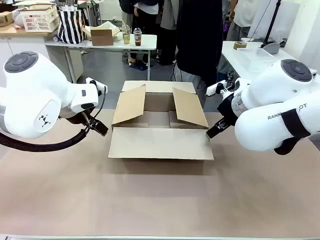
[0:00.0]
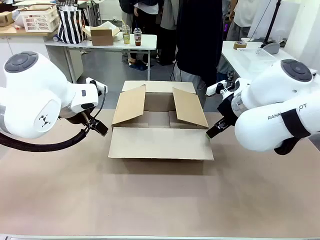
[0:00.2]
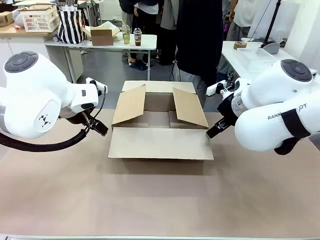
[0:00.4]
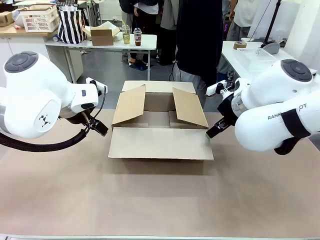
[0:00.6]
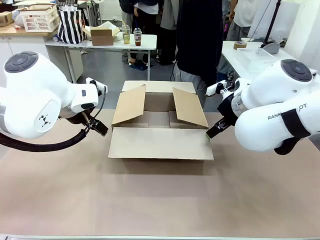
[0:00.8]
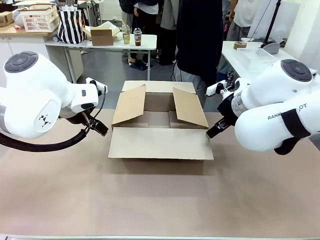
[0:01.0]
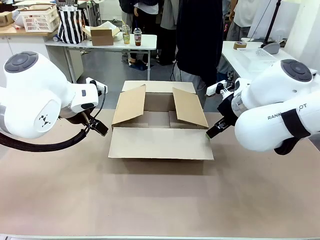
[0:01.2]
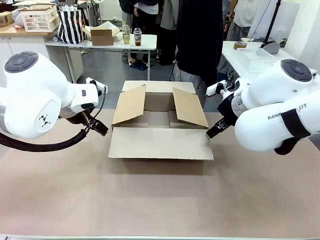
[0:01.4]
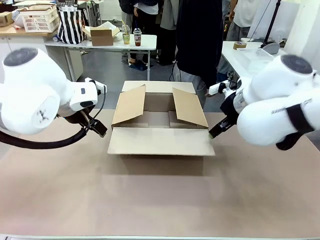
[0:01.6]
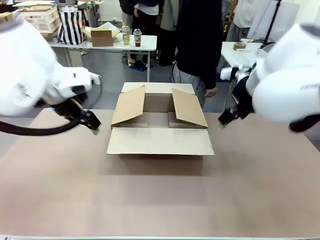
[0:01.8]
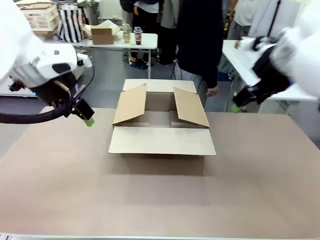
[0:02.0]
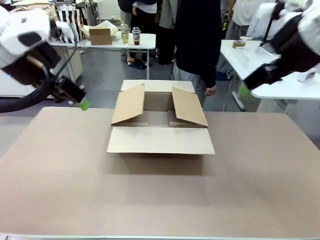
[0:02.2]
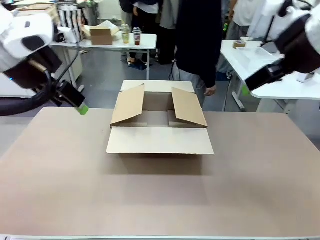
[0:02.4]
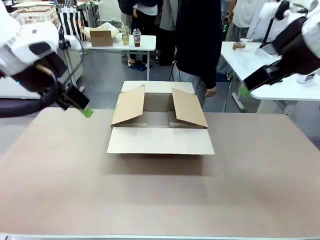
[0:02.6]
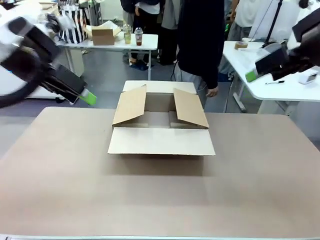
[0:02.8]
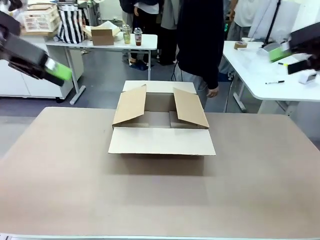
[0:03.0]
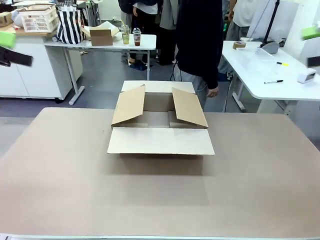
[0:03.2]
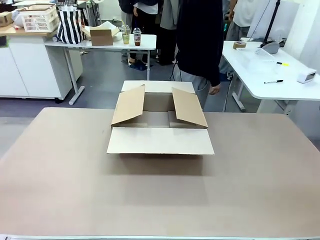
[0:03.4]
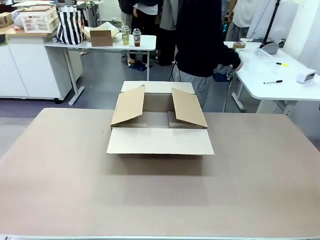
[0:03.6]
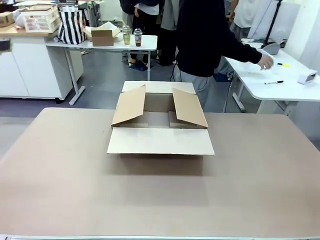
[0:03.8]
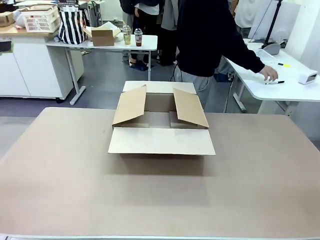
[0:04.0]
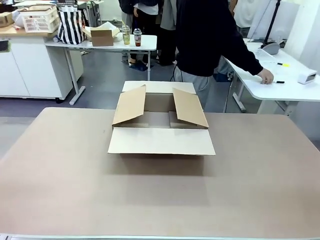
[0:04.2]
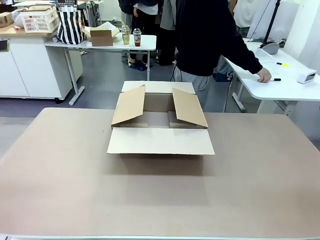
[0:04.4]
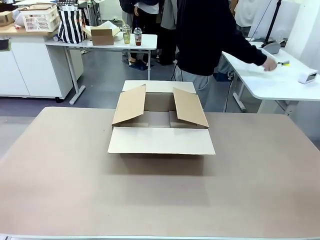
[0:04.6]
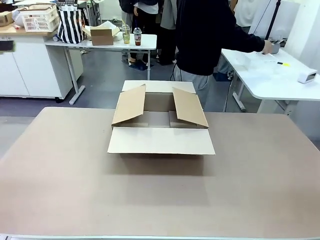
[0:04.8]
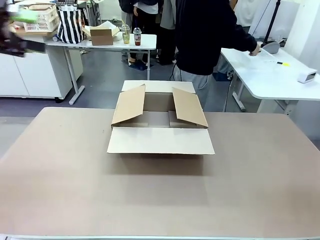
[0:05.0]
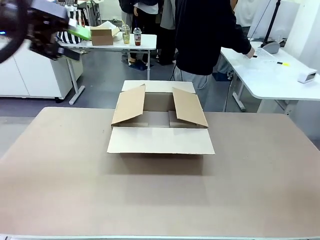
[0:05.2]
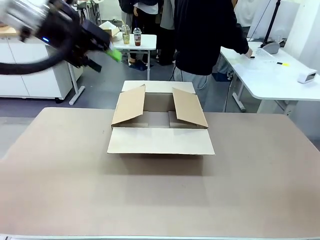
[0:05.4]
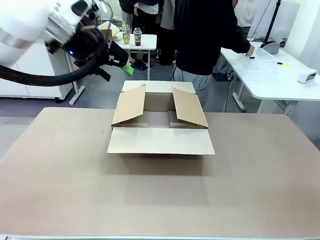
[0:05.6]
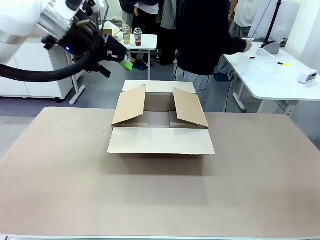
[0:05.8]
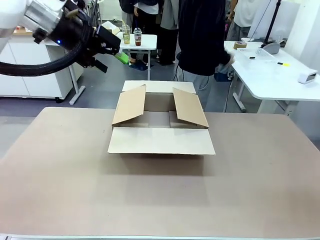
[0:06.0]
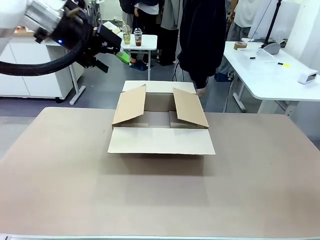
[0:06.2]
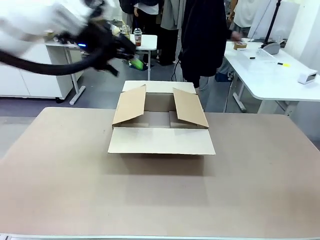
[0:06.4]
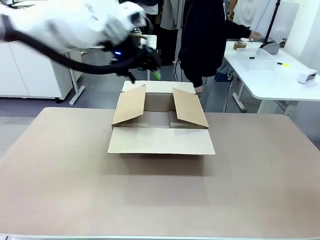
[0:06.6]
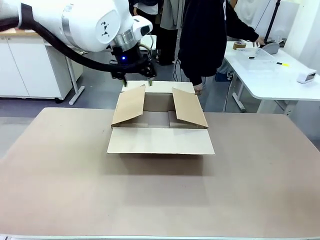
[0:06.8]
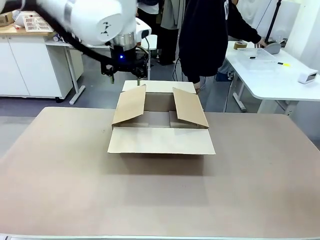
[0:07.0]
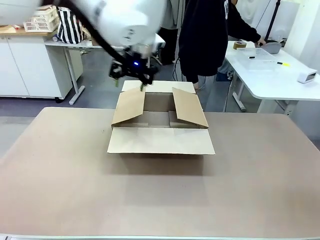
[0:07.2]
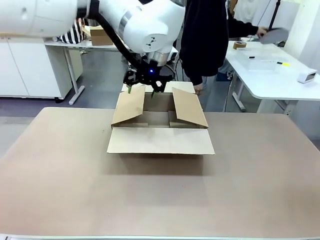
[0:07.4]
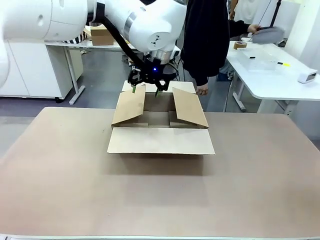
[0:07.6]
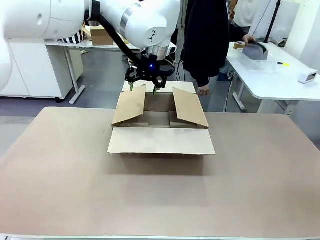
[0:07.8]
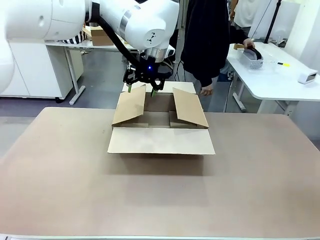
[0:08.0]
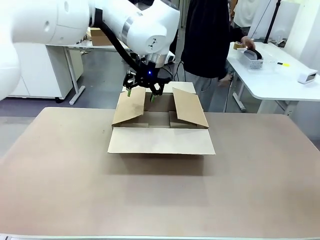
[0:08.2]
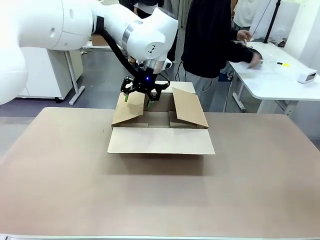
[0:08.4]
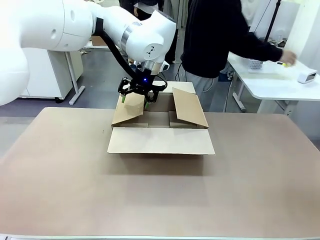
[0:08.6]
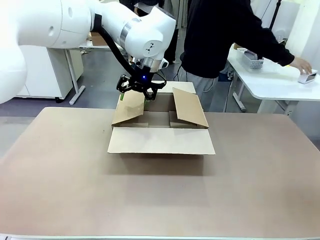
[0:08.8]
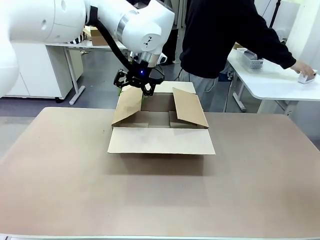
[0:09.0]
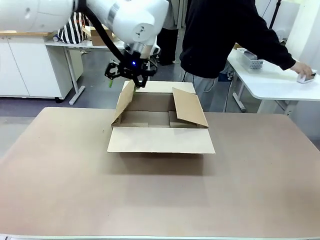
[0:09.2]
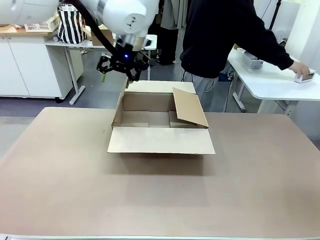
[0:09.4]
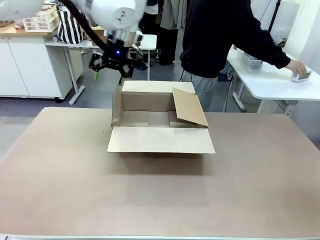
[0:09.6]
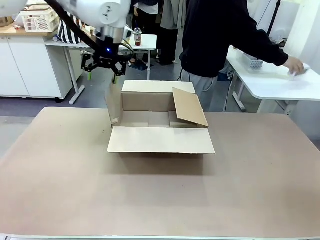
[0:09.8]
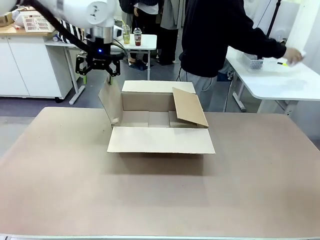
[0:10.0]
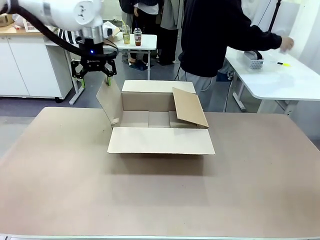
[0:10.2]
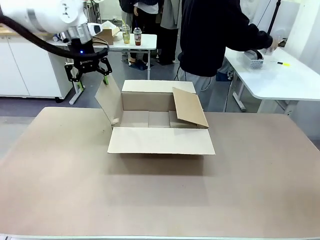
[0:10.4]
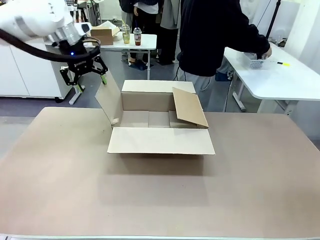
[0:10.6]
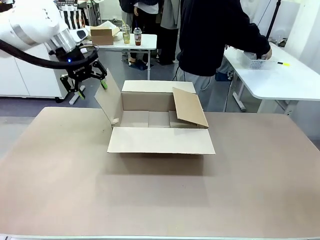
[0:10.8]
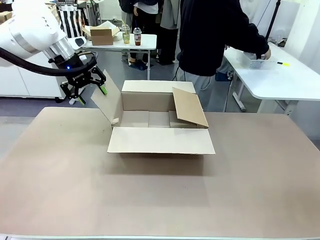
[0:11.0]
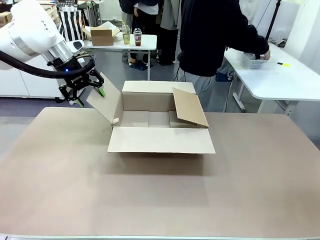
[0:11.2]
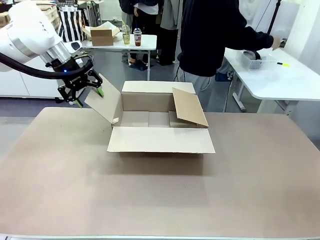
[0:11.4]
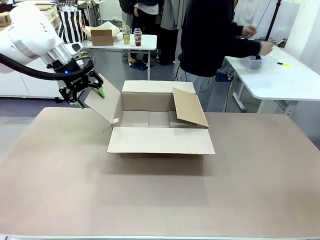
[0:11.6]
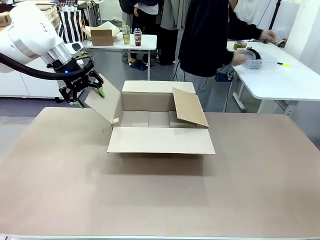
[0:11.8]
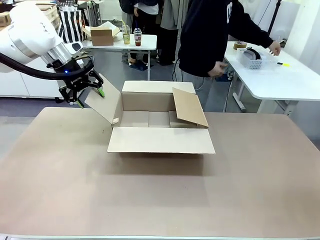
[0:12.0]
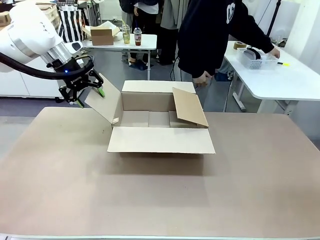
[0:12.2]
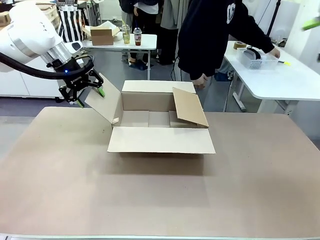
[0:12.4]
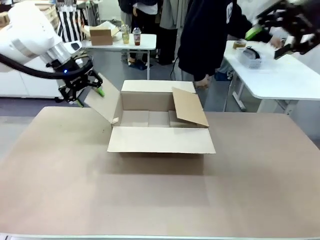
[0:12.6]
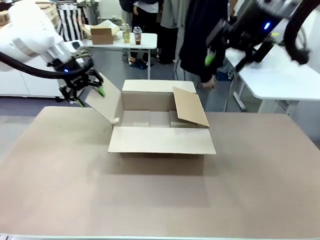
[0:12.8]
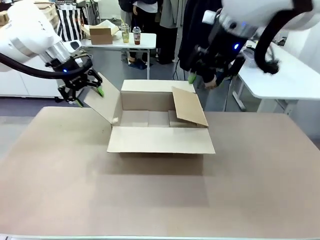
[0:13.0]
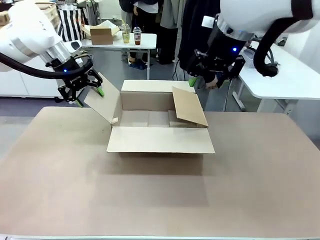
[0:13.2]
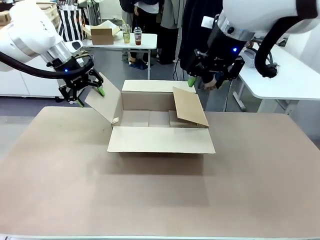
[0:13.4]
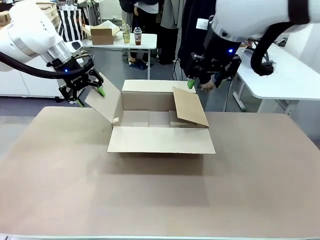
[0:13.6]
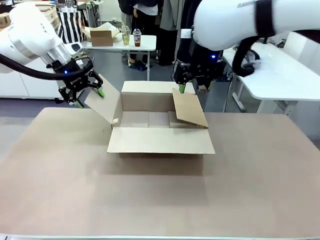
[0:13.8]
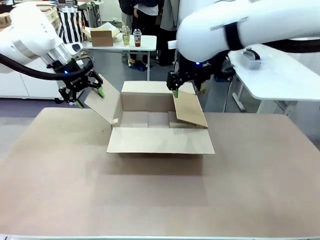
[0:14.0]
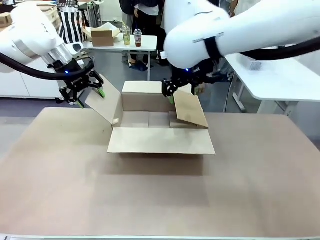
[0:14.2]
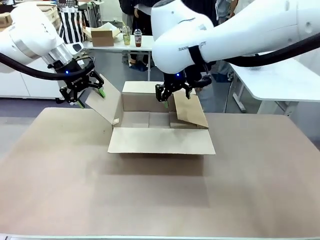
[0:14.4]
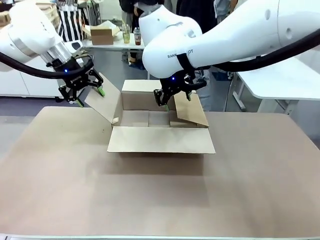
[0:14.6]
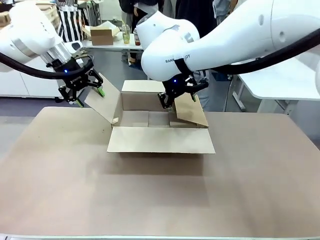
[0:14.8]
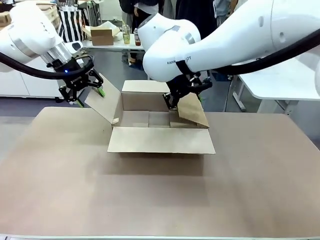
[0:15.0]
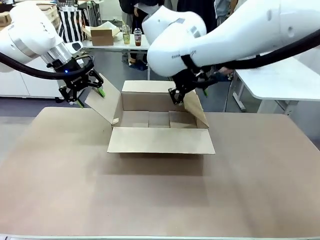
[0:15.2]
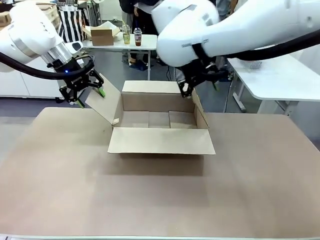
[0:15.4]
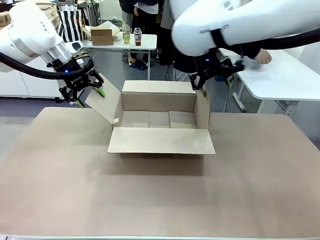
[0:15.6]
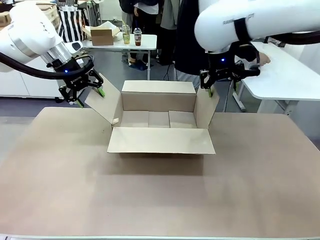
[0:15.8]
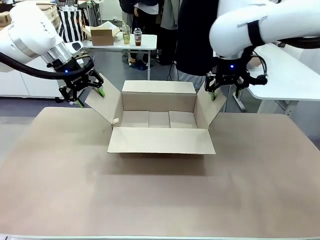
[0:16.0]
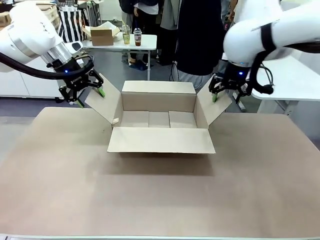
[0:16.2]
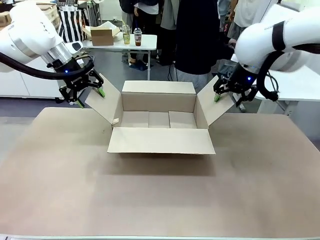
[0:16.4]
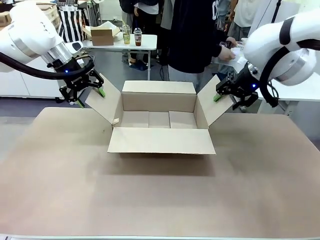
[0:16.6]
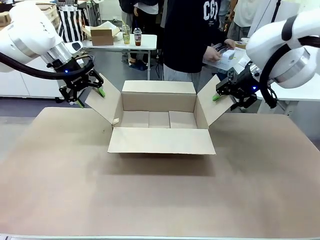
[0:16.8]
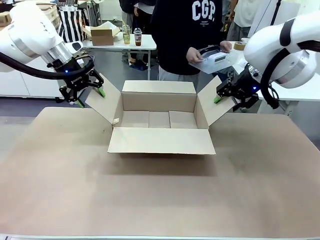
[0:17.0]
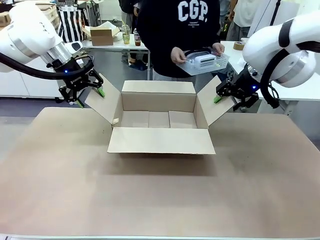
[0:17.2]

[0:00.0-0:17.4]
Task: Pack the gift set into the box.
Robot: Place both hands on the side flaps of the Package Box and spread them outward.
Person: The human places all items except the paper tape into the organizing basket.

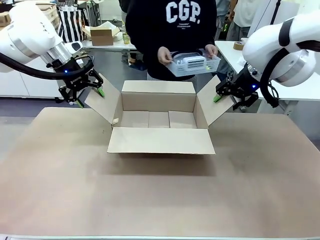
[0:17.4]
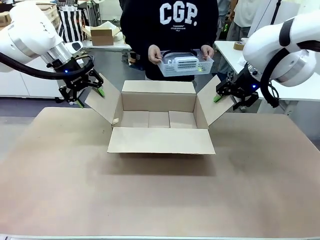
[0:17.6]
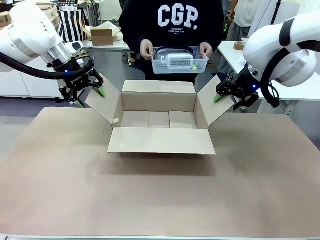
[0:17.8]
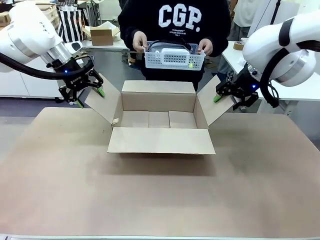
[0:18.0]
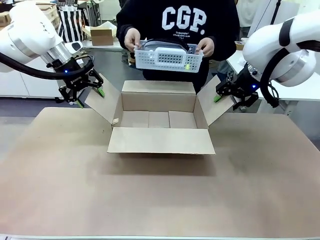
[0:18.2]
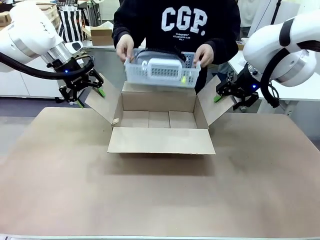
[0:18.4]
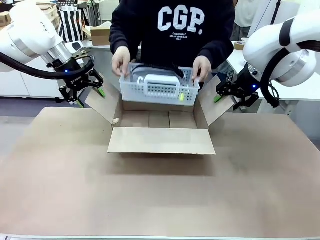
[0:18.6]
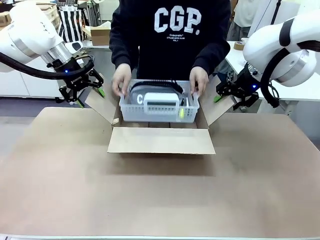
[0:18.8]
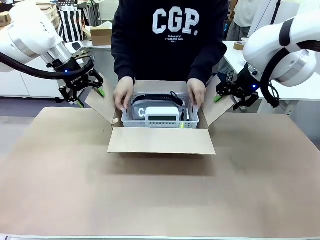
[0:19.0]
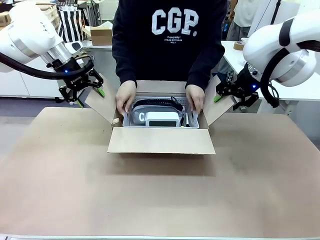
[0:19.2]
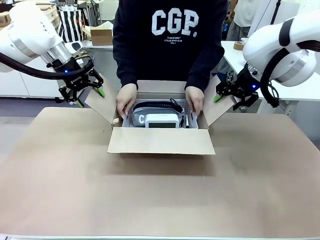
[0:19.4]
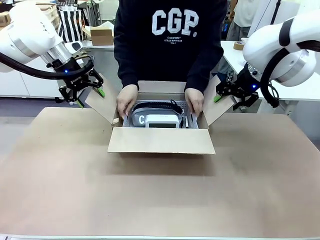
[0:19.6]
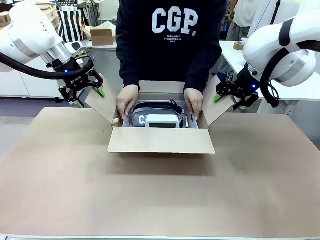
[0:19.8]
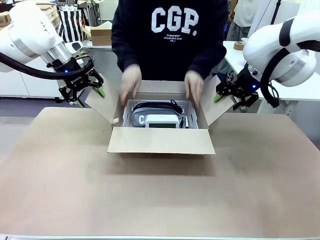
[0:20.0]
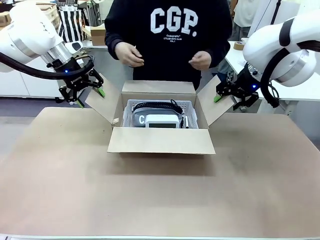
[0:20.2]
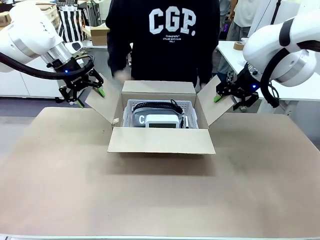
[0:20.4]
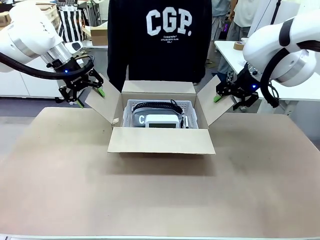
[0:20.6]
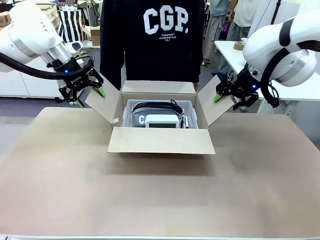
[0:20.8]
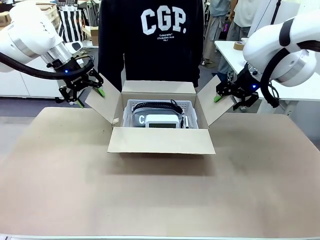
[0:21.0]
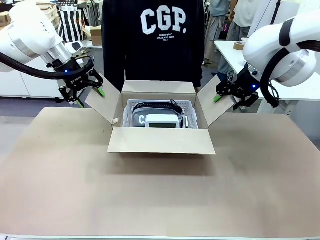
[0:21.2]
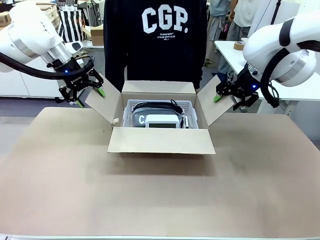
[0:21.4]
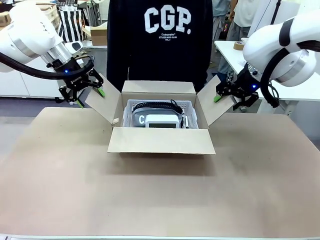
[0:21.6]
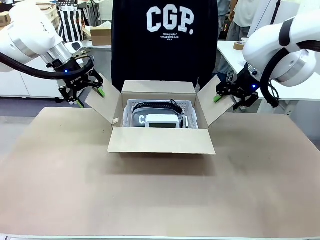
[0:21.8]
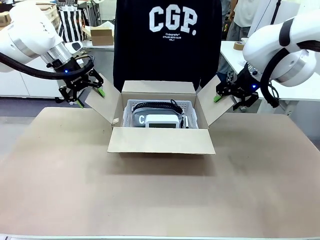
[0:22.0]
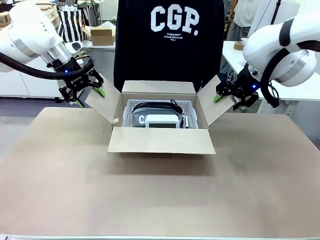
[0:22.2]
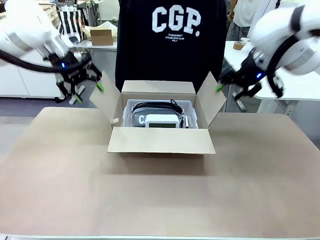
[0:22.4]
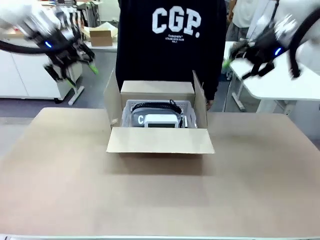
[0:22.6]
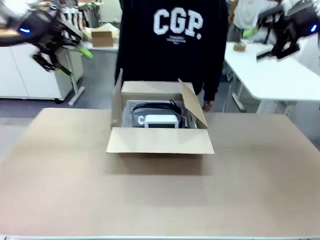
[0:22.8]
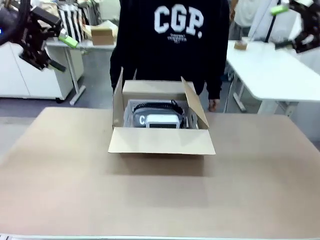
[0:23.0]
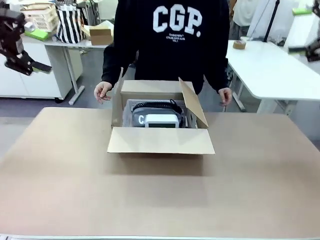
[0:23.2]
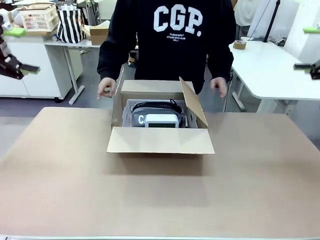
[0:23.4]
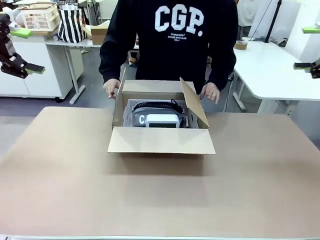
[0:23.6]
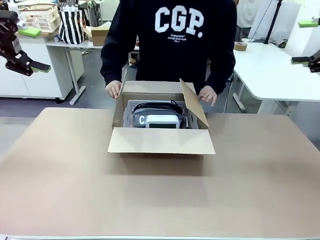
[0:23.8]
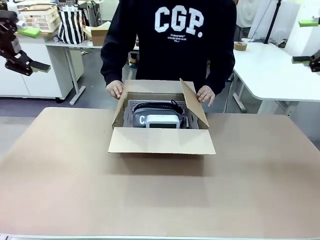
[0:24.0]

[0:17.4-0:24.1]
Robot: Lift both hands away from the flaps of the Package Box.
Person: The human picks up the organizing basket and places the organizing basket into the package box on the robot table.
